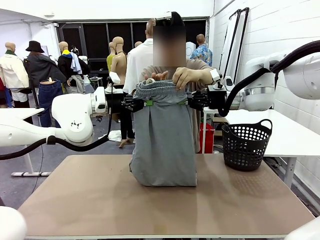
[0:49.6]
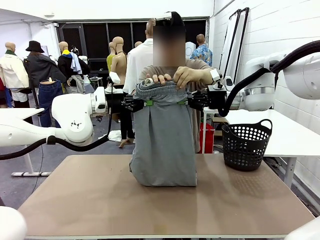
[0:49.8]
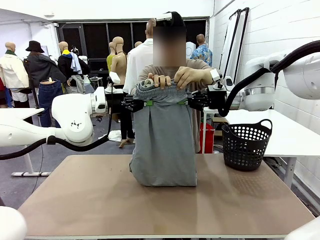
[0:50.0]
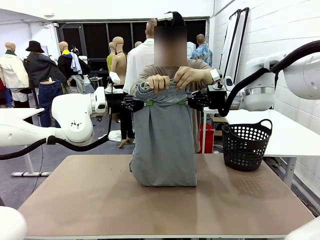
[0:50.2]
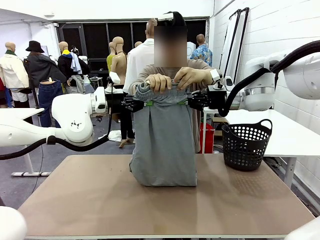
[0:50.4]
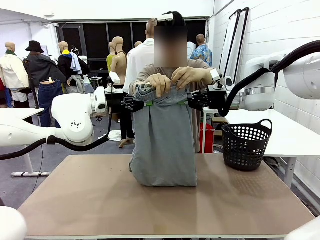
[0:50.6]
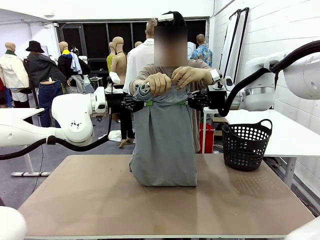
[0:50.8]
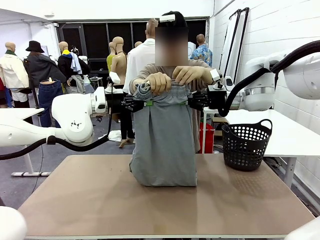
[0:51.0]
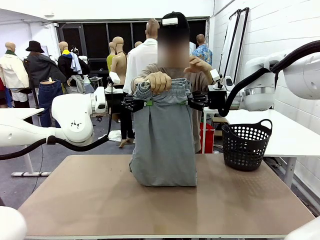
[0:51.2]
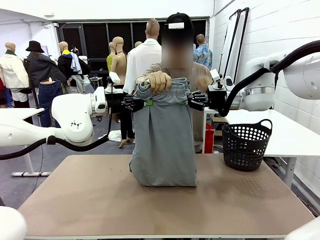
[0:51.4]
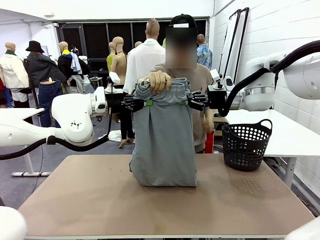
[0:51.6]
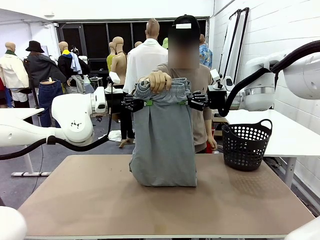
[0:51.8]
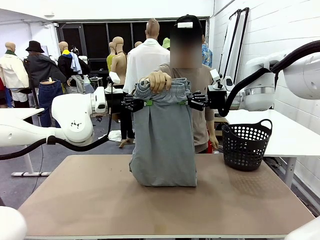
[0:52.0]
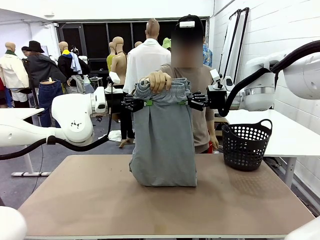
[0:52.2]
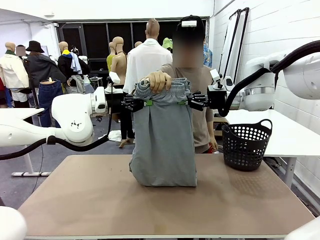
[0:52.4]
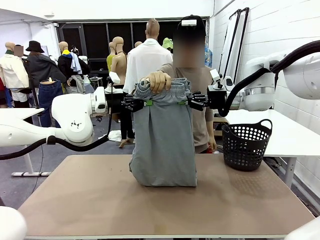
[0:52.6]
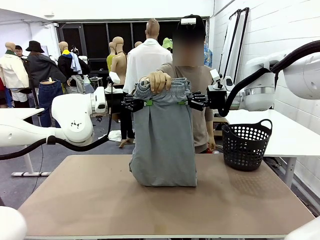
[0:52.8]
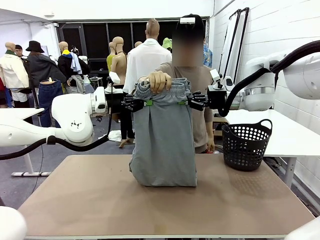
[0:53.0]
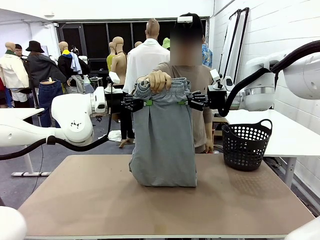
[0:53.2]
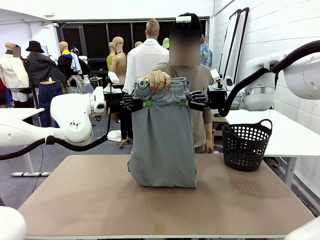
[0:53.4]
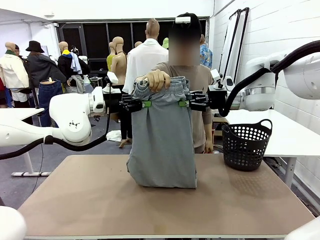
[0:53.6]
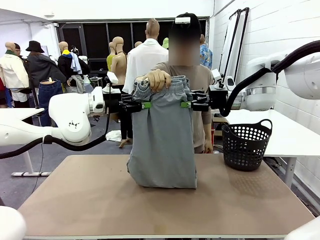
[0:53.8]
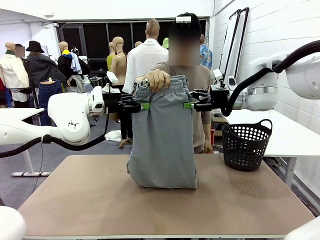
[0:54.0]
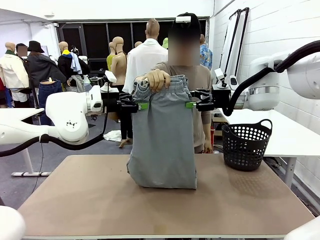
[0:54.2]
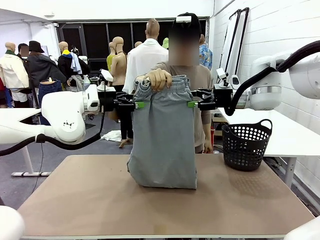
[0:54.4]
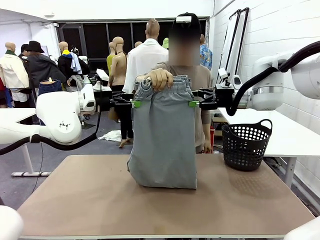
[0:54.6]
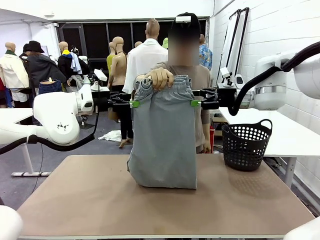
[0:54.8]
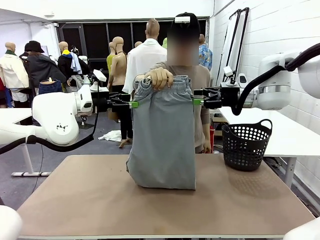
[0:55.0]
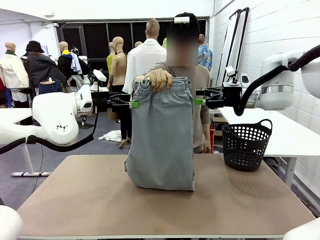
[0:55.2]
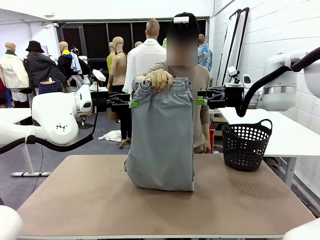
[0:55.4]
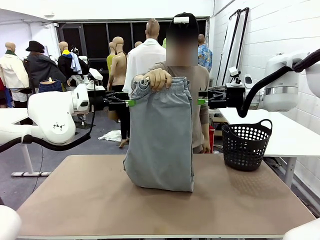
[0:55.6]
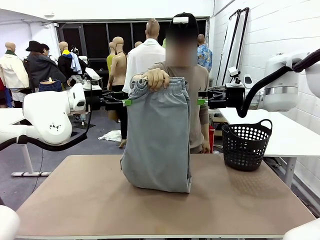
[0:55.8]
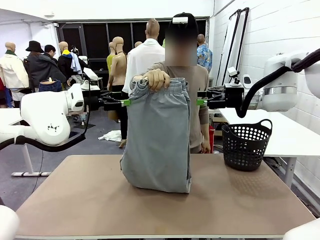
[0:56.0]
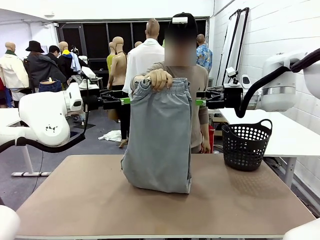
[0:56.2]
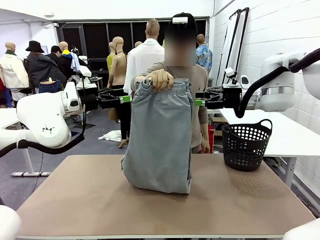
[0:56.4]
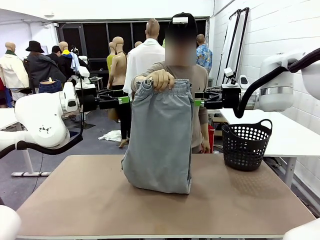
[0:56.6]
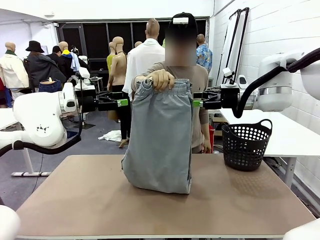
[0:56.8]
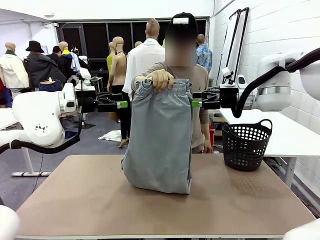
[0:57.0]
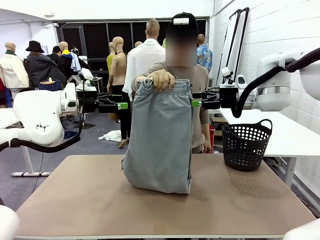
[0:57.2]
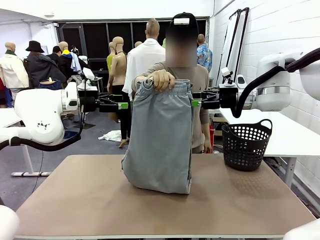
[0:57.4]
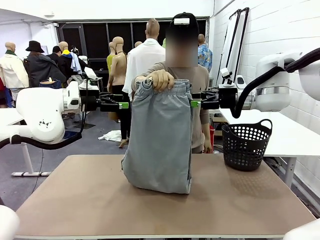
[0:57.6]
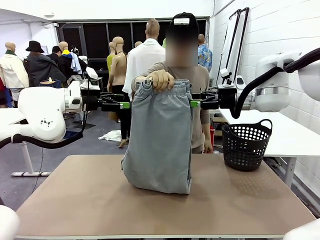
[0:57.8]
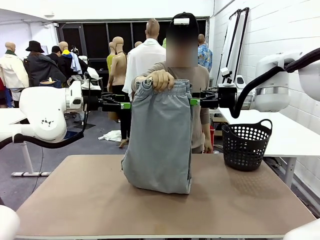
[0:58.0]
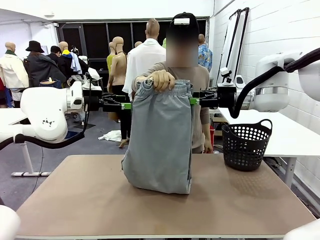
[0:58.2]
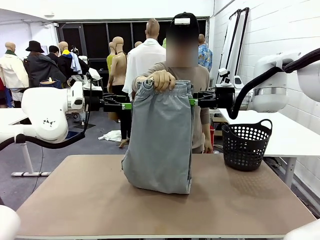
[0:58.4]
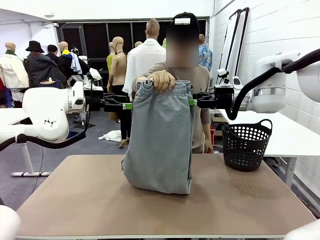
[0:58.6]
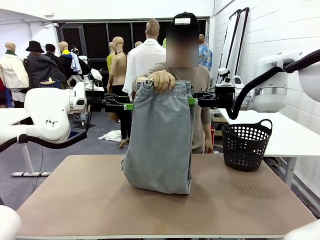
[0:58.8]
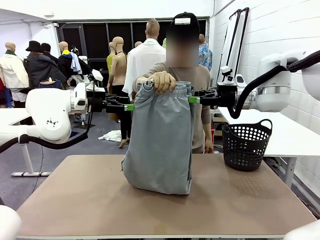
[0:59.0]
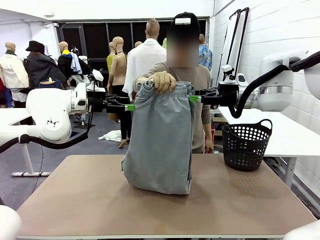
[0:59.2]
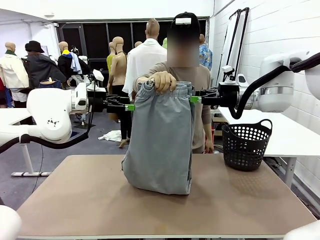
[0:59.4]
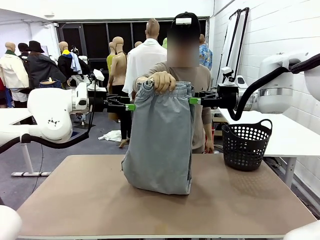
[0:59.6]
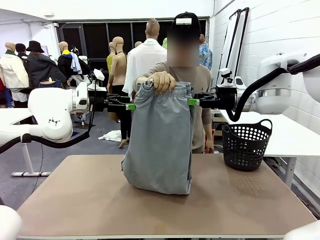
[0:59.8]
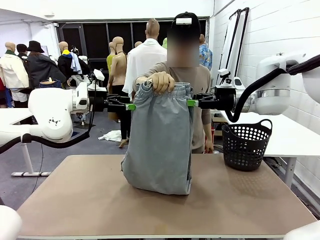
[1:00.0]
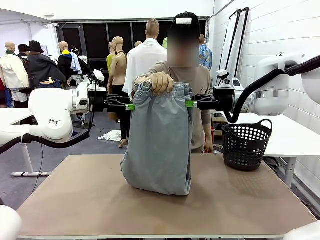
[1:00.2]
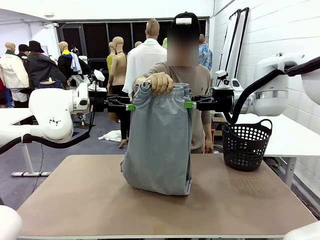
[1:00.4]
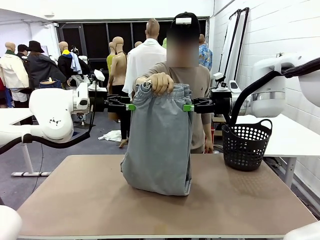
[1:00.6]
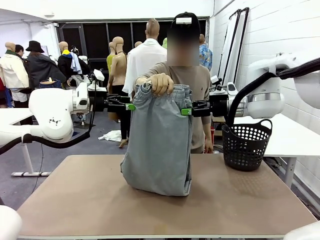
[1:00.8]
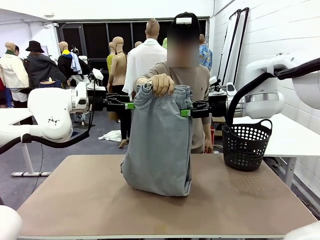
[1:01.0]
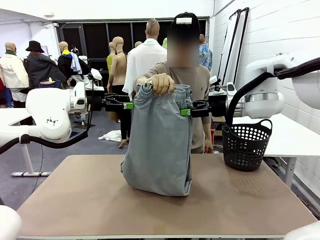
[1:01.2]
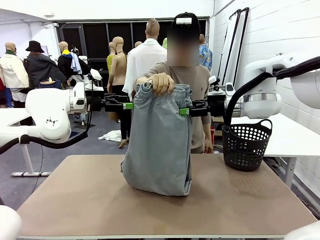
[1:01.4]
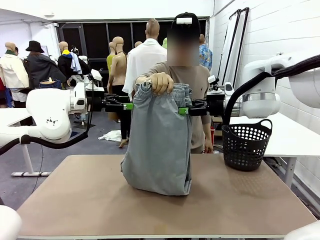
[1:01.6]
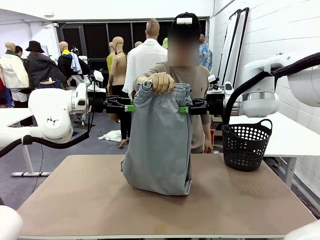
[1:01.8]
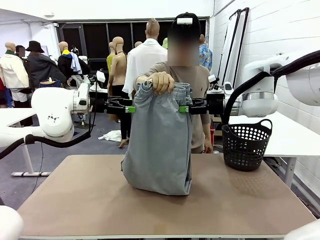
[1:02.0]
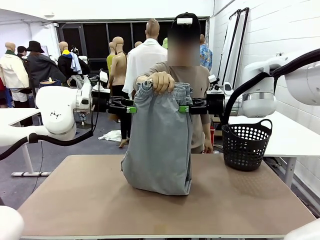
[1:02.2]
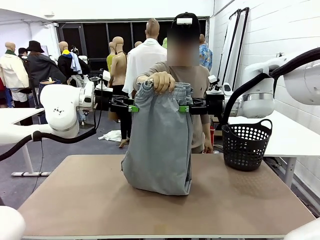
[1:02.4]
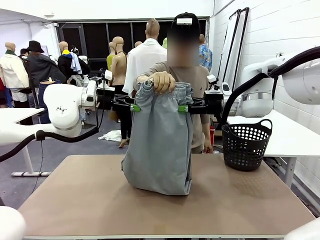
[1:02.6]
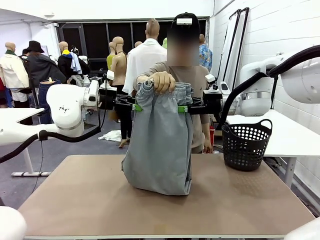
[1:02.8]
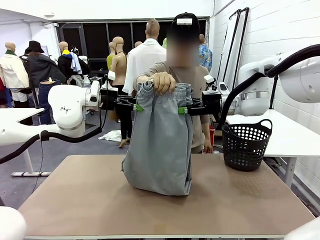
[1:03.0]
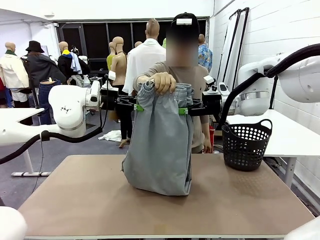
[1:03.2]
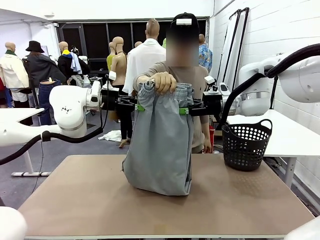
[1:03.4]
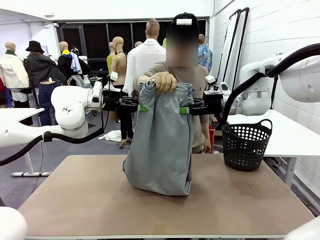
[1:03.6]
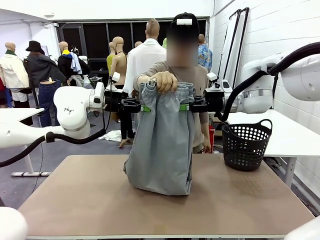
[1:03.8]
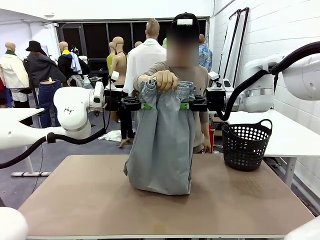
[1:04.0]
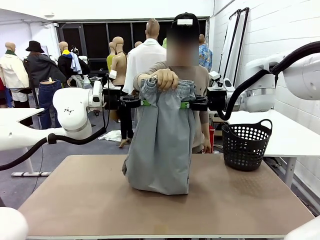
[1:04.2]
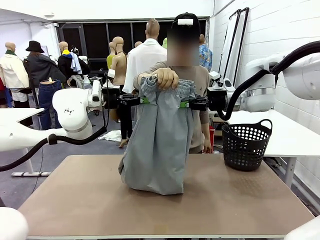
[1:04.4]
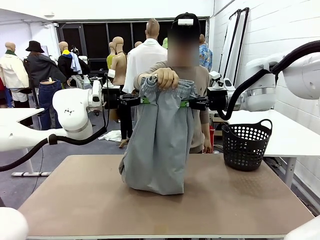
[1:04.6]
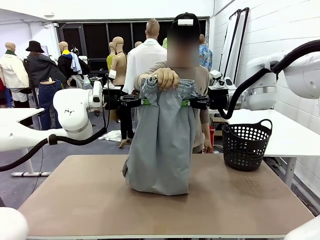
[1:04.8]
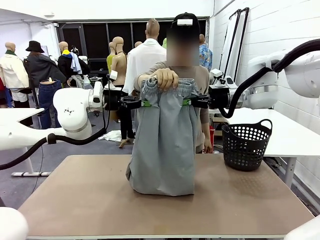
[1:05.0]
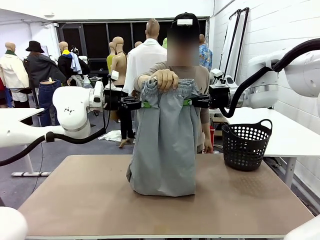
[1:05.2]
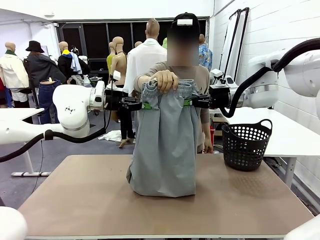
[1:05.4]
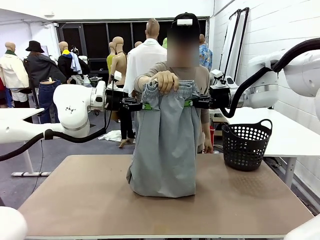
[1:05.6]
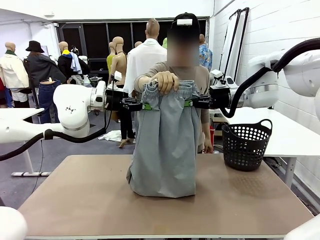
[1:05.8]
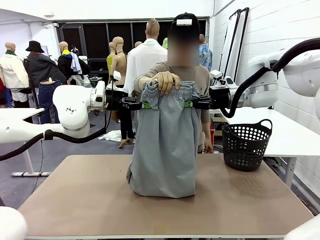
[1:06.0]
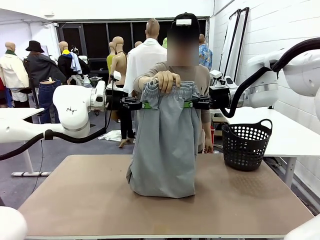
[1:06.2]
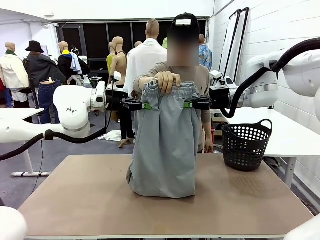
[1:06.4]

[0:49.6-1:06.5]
Task: Fold the training pants.
Robot: Release the ends of the Training pants and then grab the overlapped ends.
Person: Release the pants you were holding.
